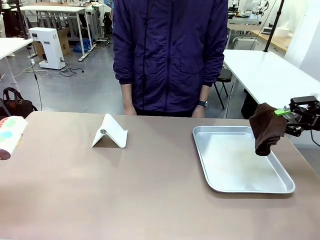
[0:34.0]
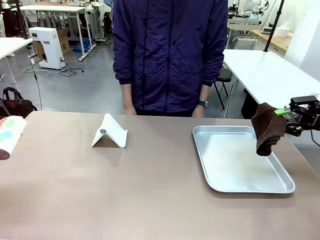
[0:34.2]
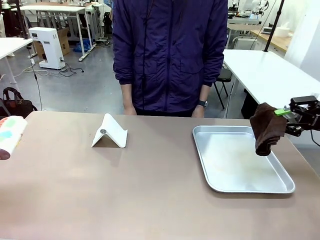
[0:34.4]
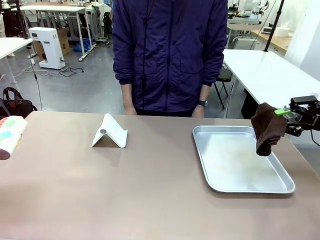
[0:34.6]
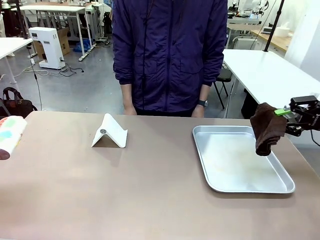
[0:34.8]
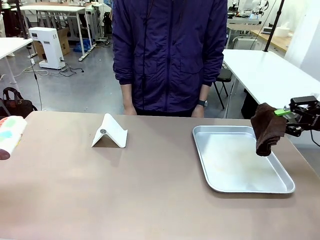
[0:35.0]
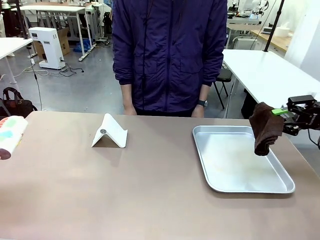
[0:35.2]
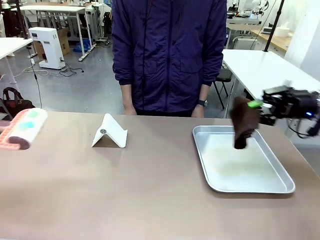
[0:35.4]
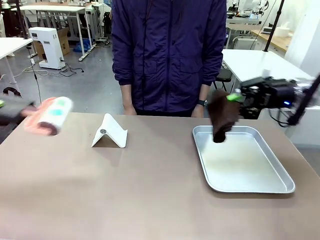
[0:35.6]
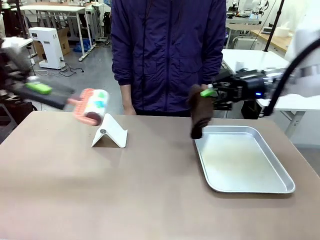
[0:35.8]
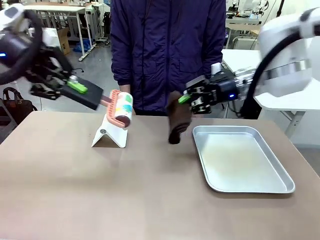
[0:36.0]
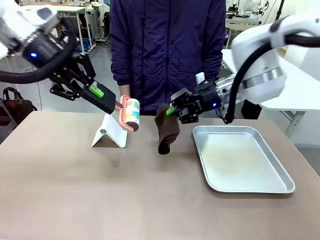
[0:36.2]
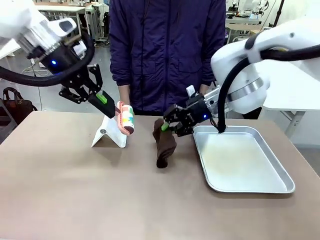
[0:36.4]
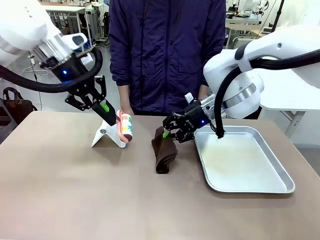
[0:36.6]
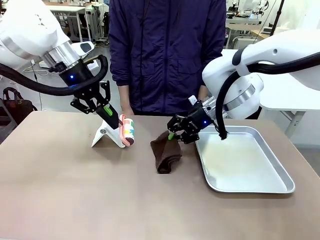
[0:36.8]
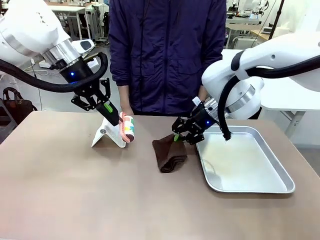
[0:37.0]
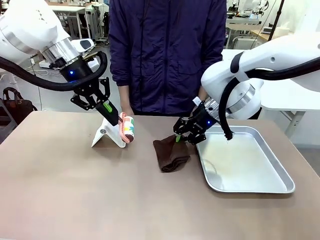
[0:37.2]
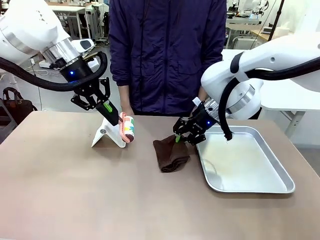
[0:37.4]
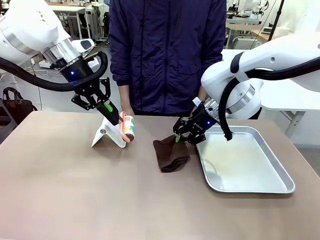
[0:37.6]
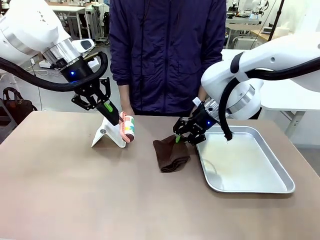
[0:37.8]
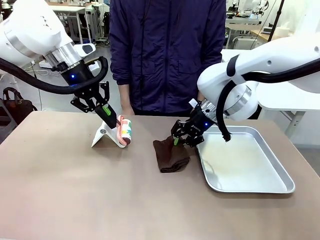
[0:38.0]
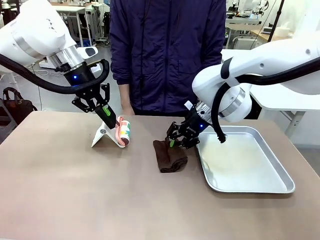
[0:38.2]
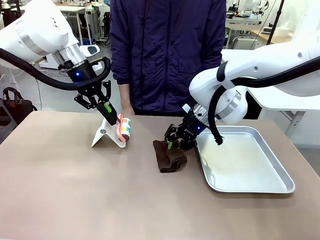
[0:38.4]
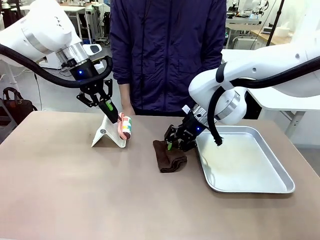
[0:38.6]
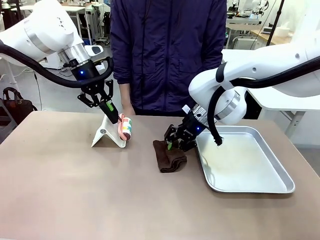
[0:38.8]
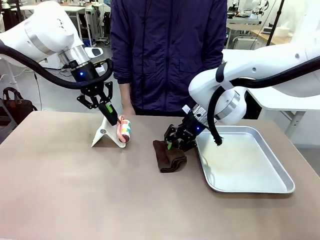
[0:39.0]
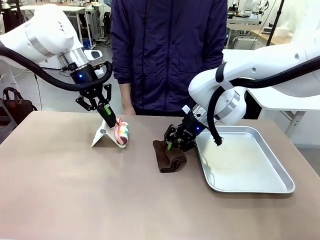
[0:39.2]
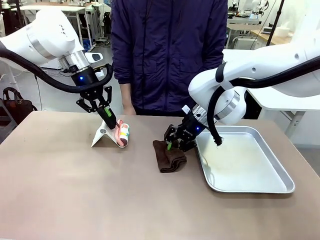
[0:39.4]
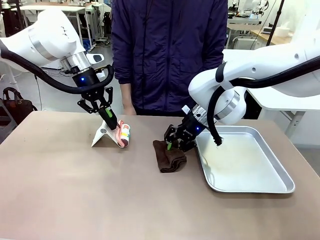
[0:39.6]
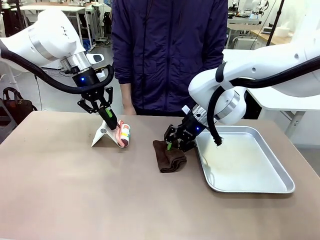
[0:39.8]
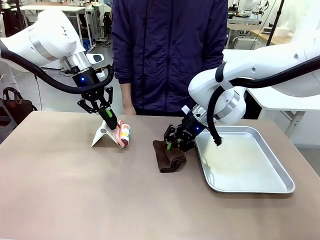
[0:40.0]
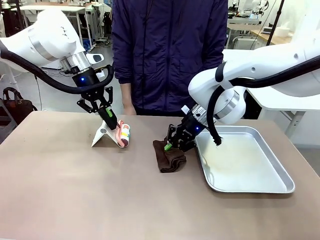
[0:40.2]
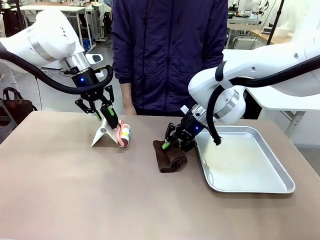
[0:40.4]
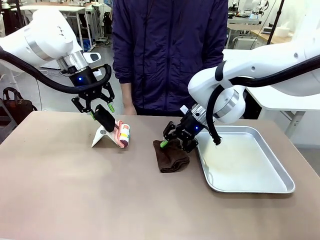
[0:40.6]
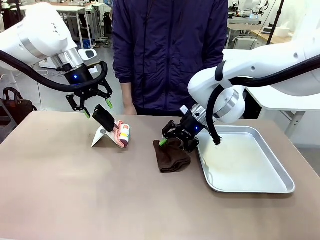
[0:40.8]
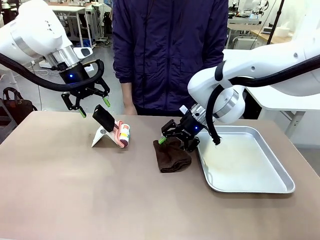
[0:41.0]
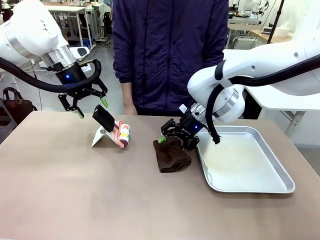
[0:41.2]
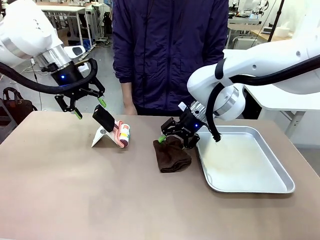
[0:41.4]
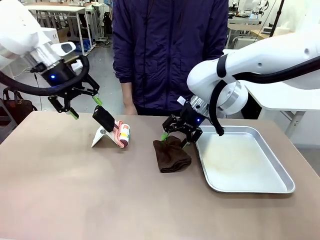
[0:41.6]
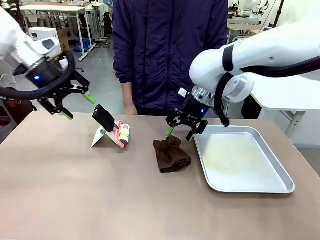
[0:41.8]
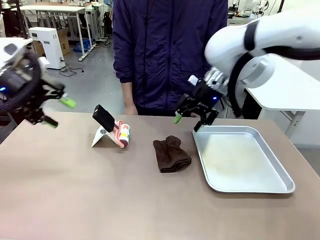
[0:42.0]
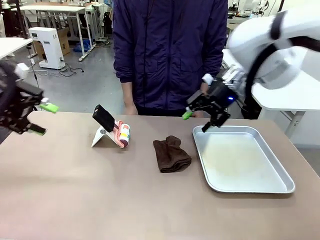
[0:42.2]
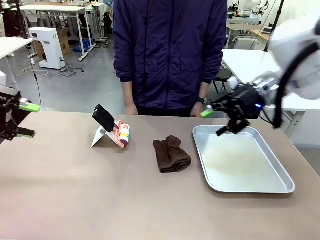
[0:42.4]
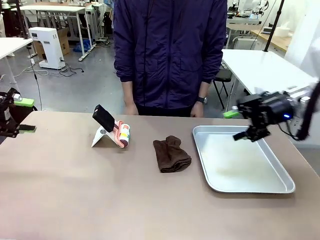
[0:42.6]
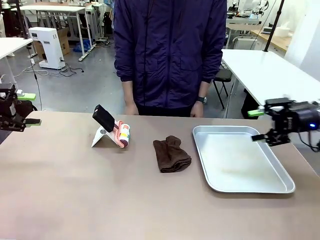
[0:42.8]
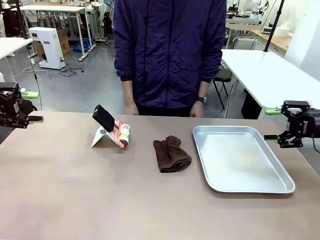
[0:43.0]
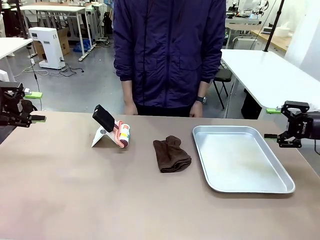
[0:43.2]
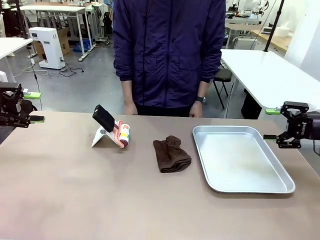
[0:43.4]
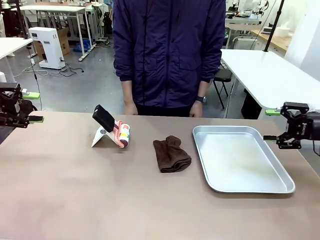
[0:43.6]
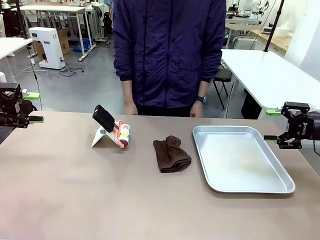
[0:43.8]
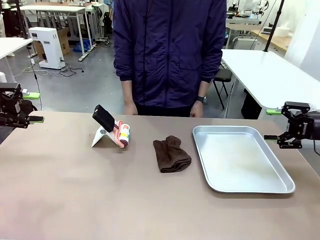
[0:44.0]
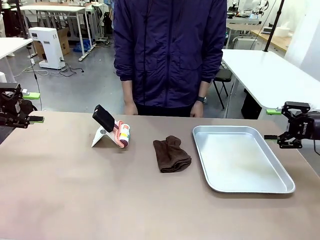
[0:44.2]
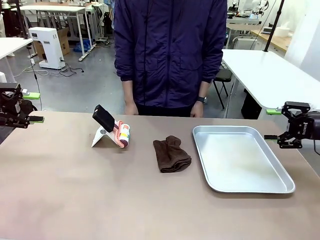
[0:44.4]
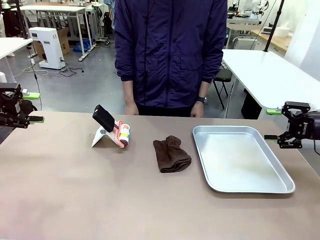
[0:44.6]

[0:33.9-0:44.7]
Task: Clean the surface of the table.
Robot: Return the Lint Roller and towel to their original positions.

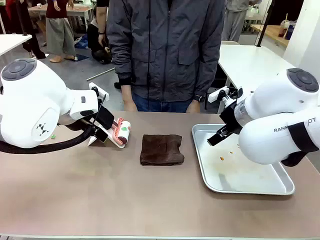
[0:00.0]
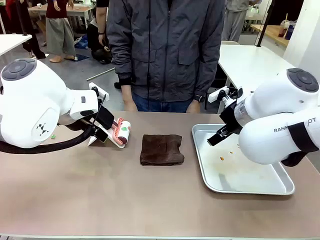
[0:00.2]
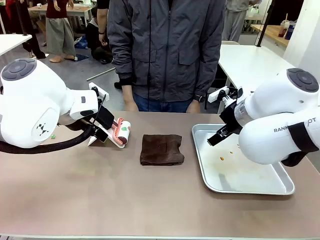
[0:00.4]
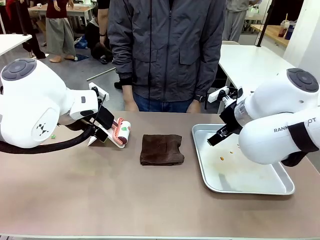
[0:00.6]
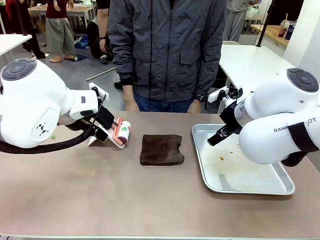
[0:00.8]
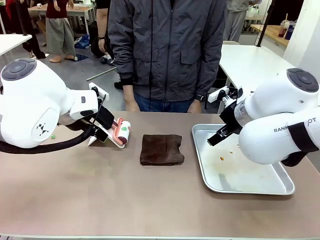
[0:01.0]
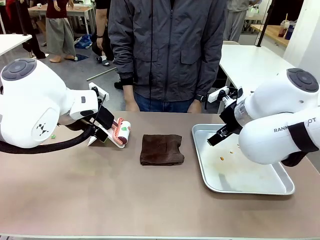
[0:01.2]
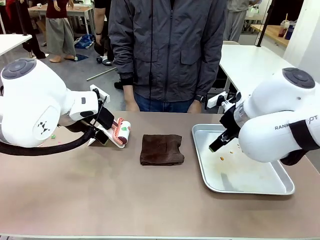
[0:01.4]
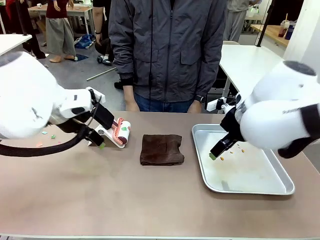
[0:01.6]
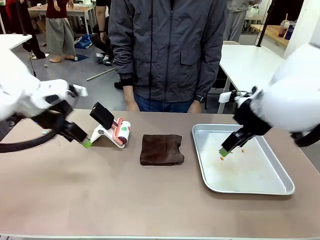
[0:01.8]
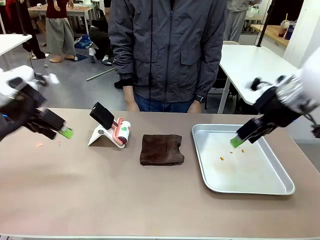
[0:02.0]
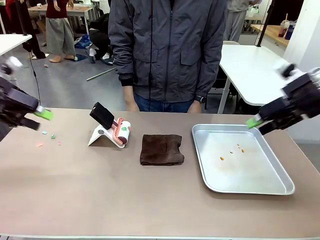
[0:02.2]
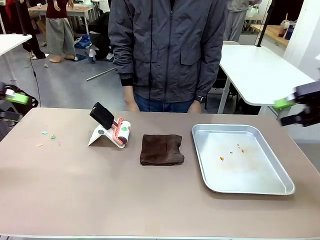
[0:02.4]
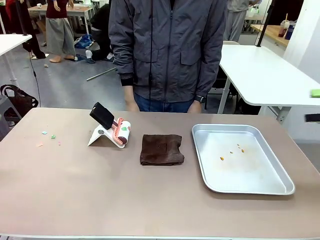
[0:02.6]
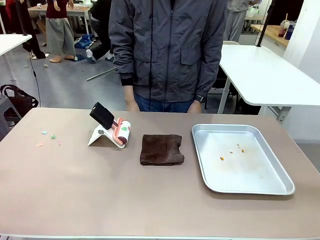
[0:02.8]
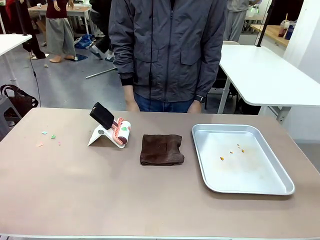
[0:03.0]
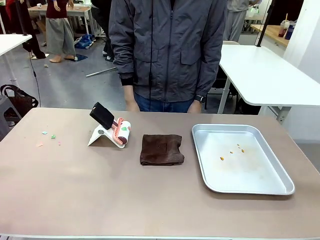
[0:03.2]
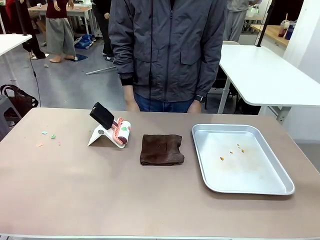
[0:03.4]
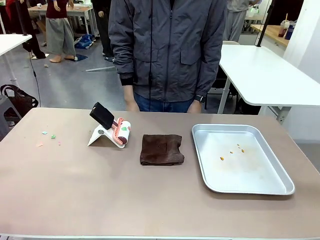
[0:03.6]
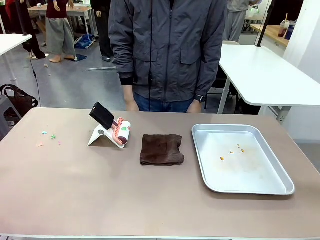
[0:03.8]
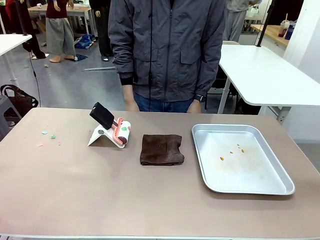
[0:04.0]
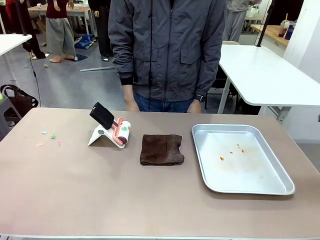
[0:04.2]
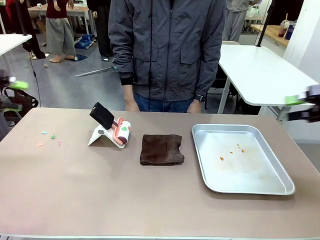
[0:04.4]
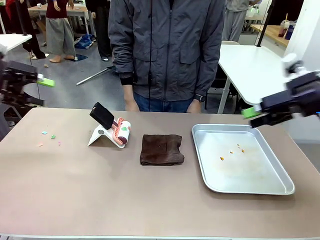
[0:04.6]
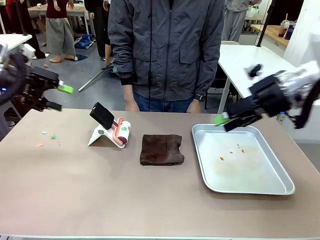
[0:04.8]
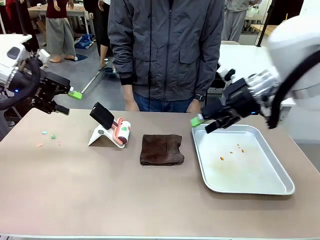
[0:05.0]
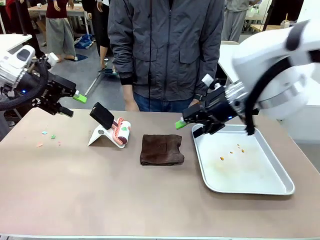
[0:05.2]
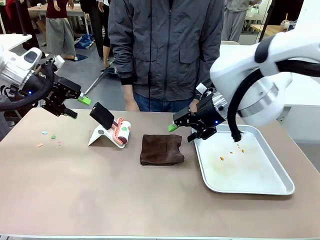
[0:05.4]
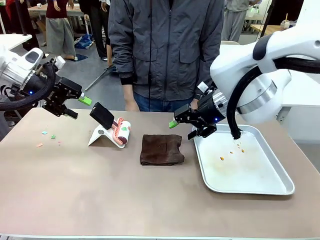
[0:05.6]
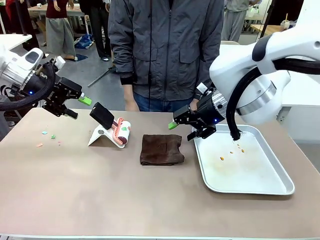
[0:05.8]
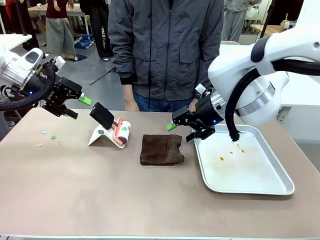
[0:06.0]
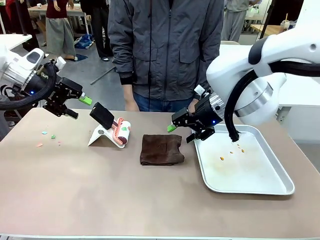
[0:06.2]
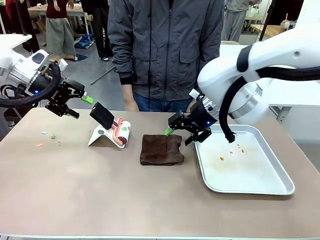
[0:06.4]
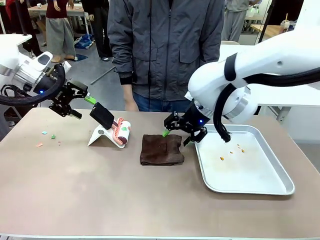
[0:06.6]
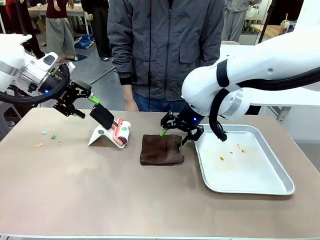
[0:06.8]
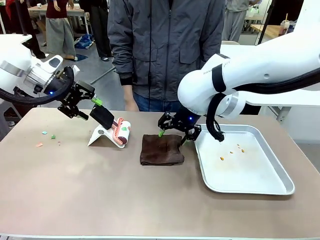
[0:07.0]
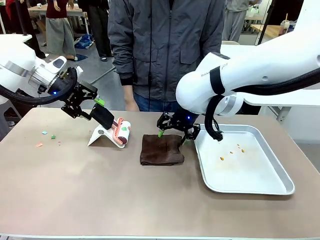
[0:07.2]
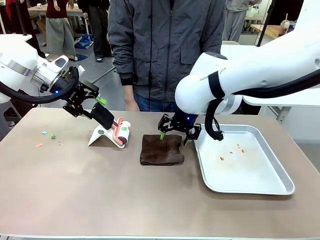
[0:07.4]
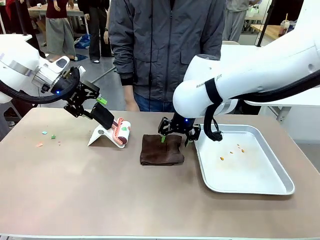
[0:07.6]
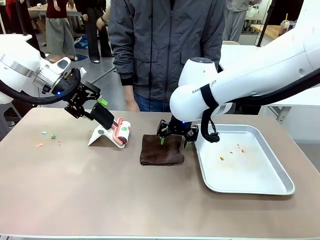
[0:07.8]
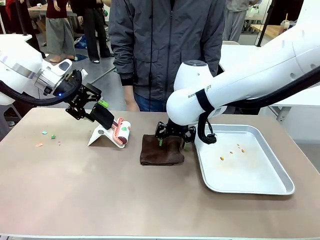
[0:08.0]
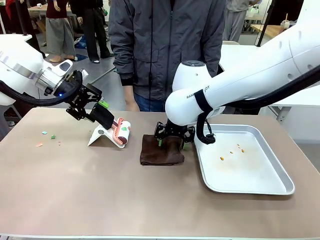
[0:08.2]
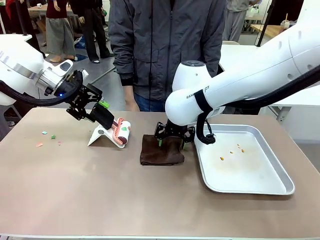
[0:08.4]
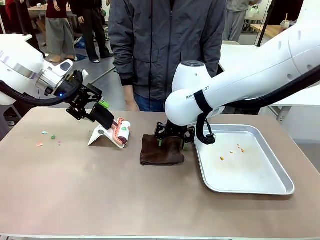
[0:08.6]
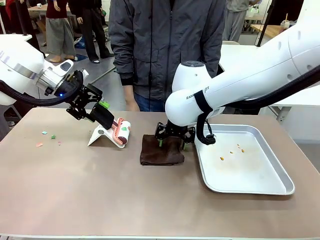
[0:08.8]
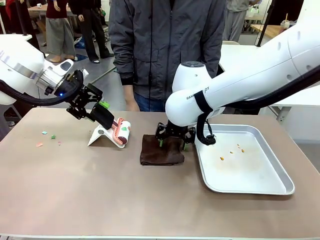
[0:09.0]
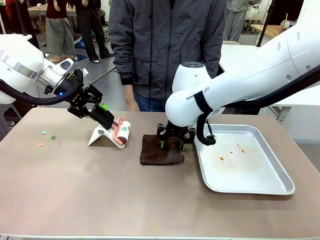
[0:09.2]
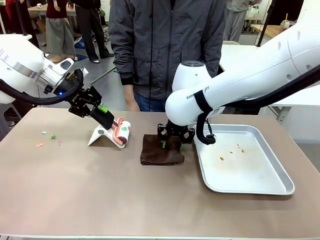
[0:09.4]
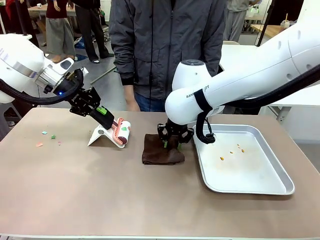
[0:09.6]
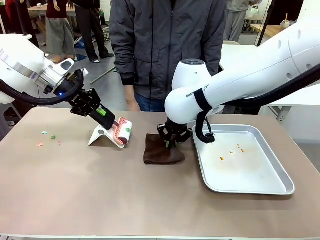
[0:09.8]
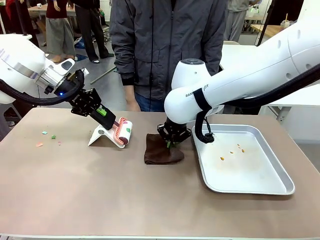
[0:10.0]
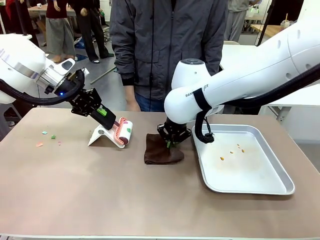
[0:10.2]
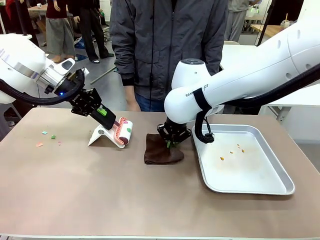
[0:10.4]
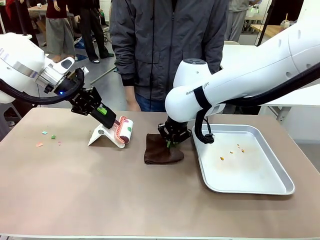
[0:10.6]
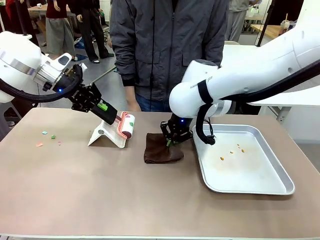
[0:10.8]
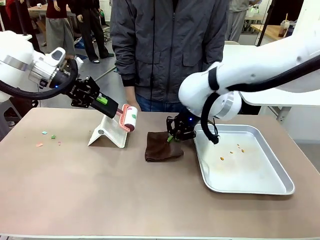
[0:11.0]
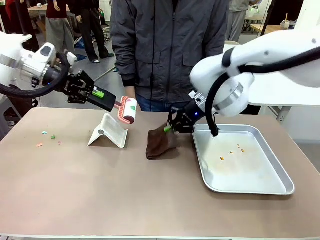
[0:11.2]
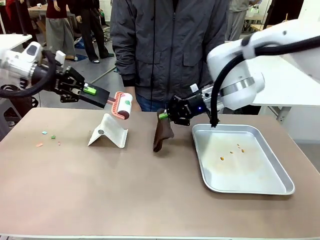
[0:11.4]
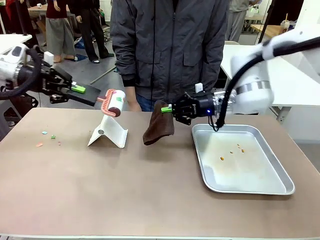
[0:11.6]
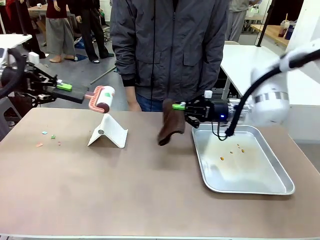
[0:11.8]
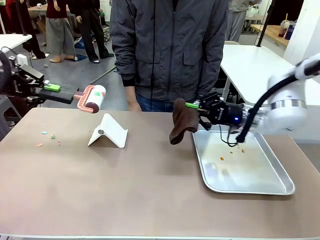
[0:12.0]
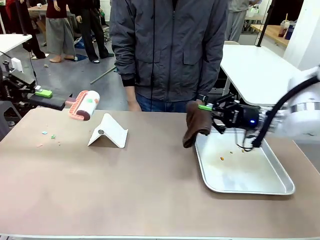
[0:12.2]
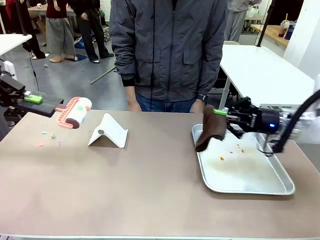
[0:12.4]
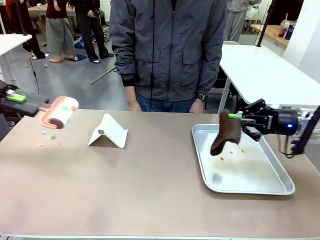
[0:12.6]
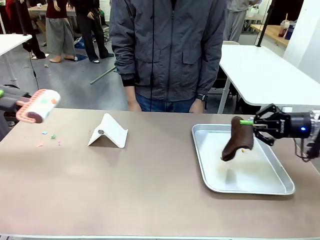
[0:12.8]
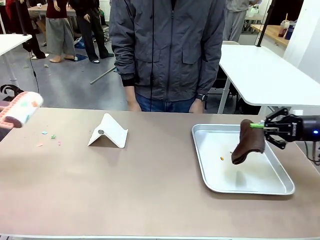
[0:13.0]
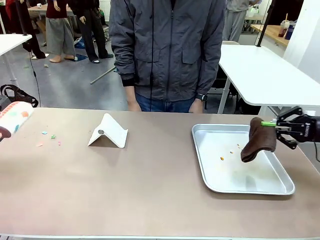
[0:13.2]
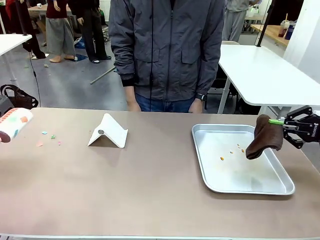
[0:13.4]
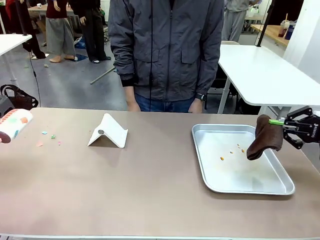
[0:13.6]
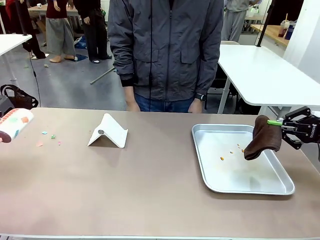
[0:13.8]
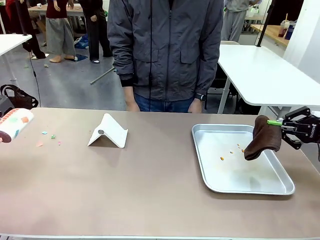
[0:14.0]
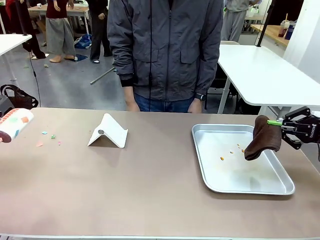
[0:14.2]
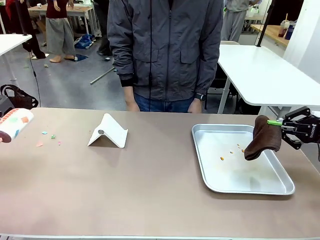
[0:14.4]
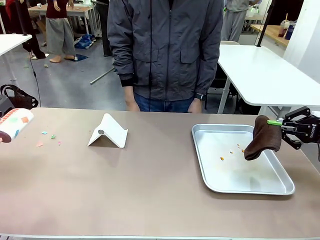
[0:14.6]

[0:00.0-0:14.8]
Task: Clean the surface of the table.
Robot: Hold the Lint Roller with your left hand and the towel with your right hand.
